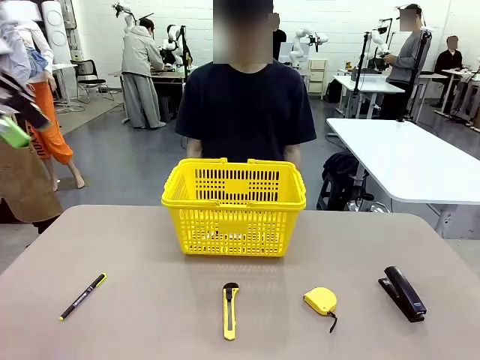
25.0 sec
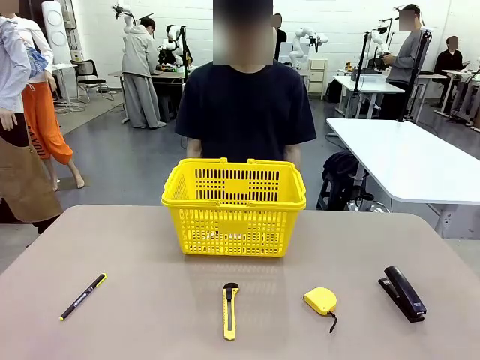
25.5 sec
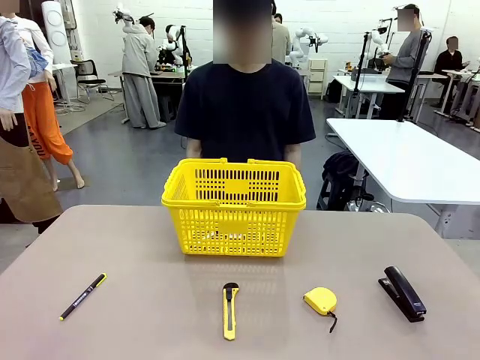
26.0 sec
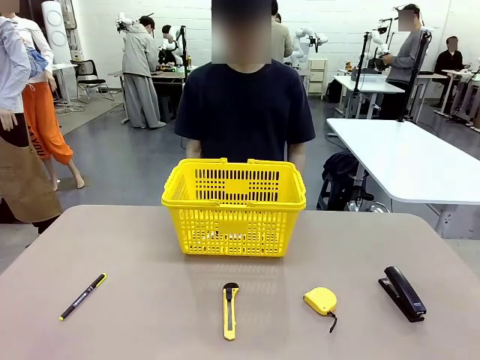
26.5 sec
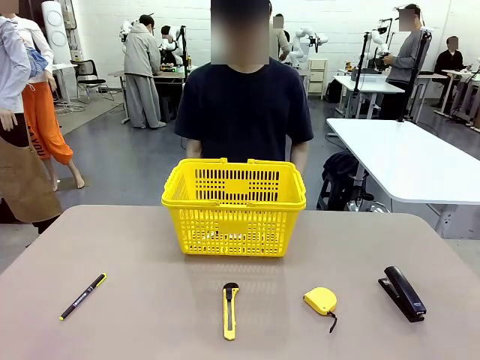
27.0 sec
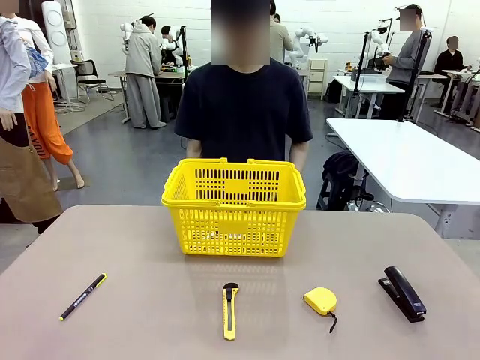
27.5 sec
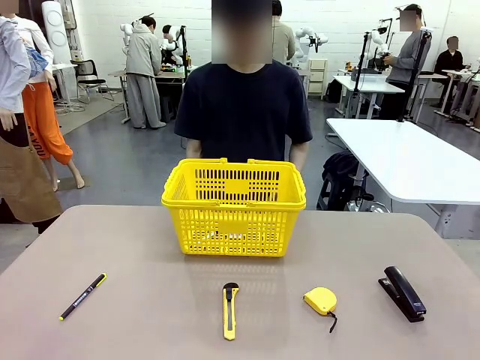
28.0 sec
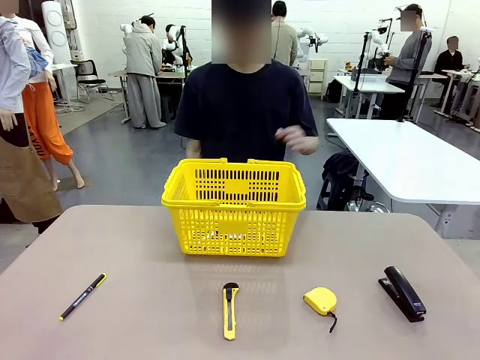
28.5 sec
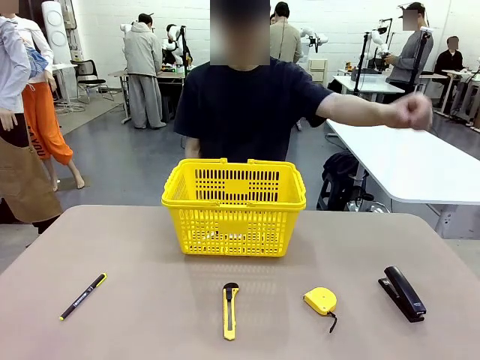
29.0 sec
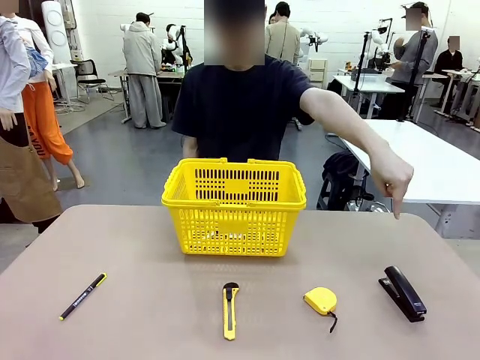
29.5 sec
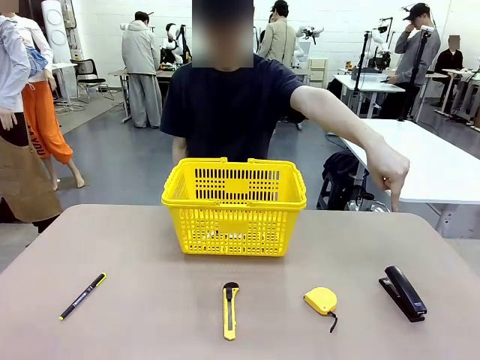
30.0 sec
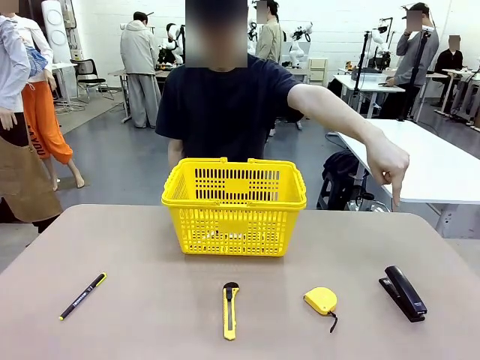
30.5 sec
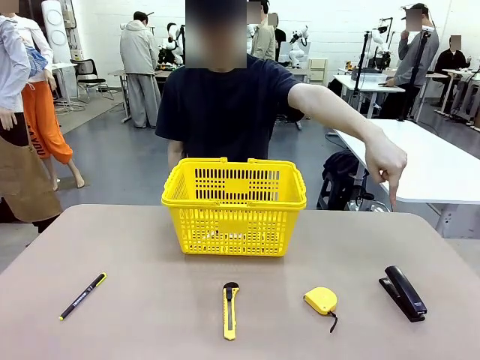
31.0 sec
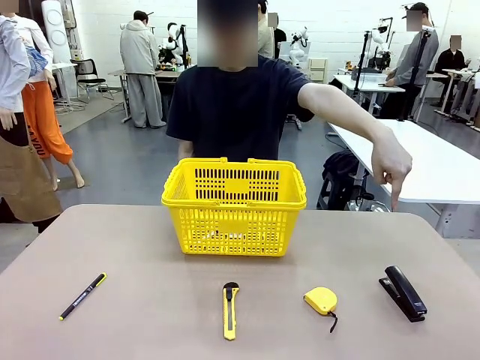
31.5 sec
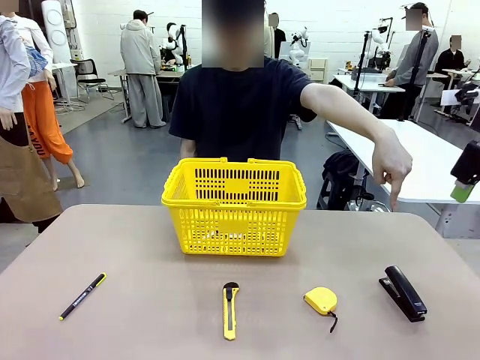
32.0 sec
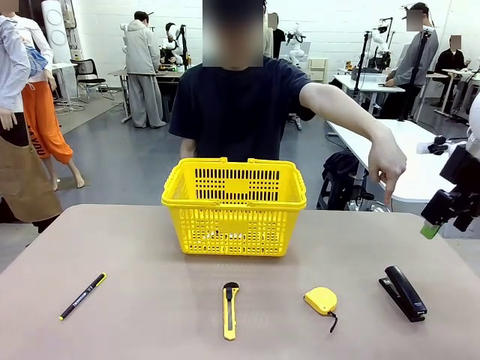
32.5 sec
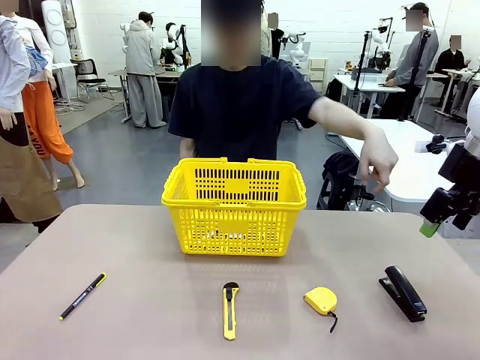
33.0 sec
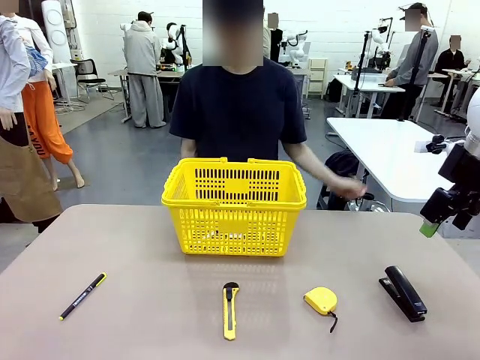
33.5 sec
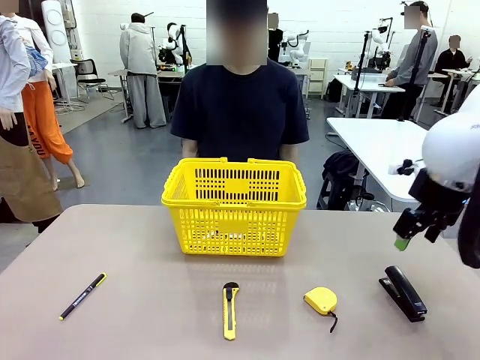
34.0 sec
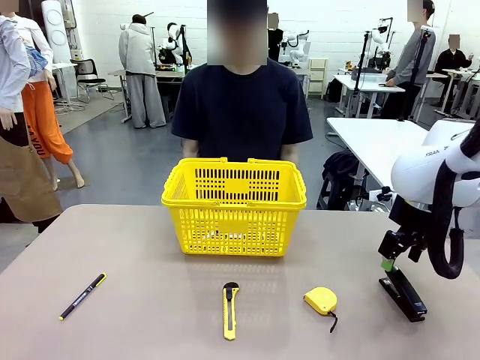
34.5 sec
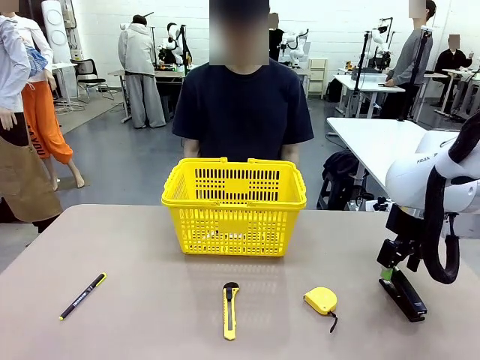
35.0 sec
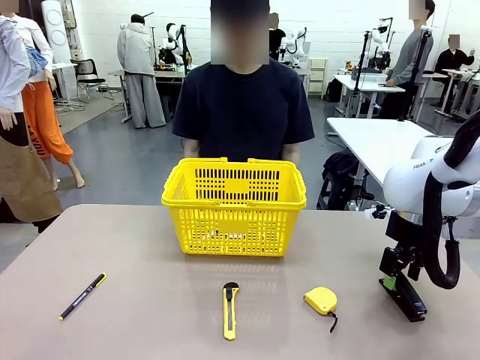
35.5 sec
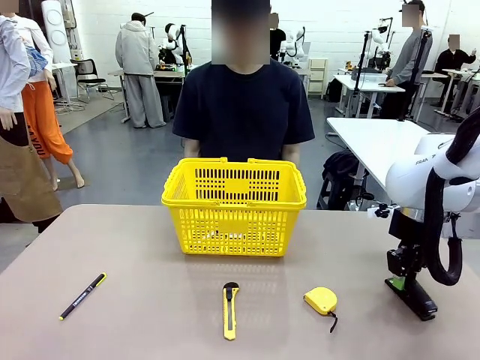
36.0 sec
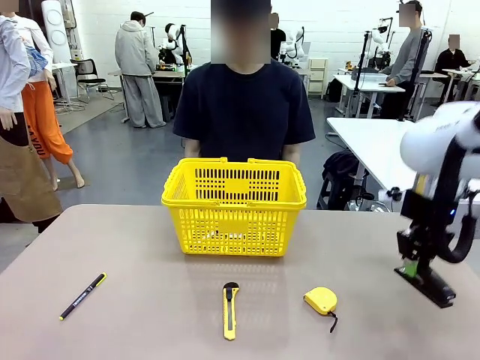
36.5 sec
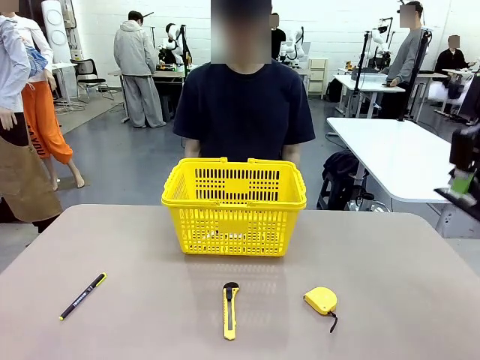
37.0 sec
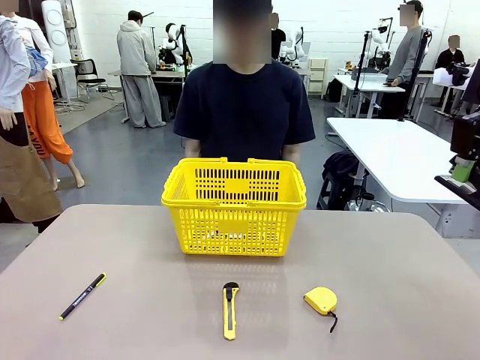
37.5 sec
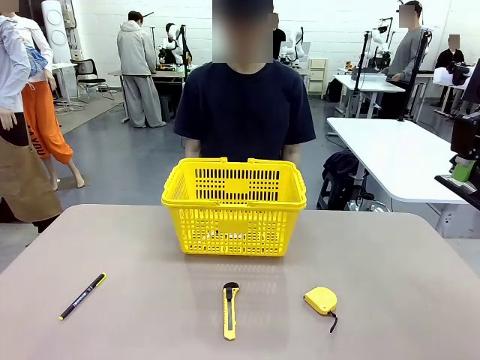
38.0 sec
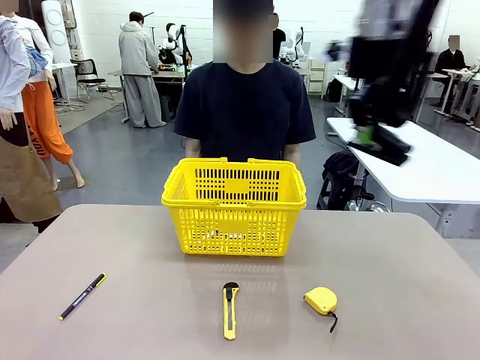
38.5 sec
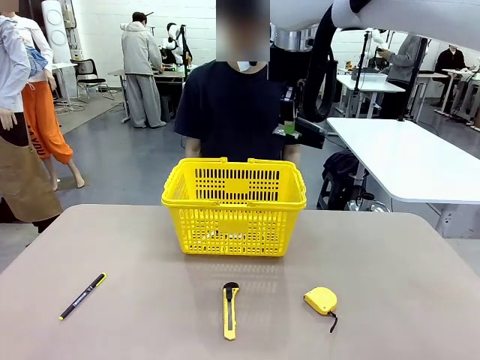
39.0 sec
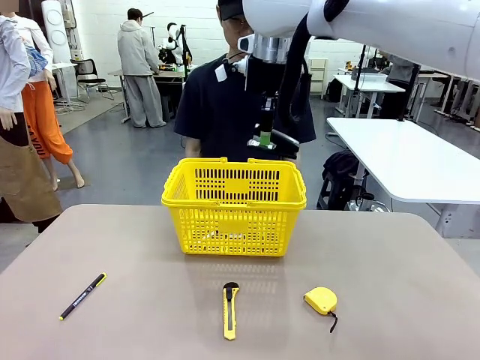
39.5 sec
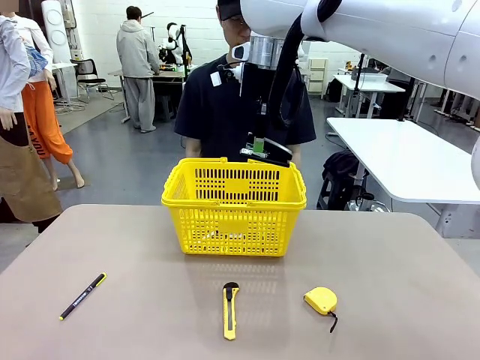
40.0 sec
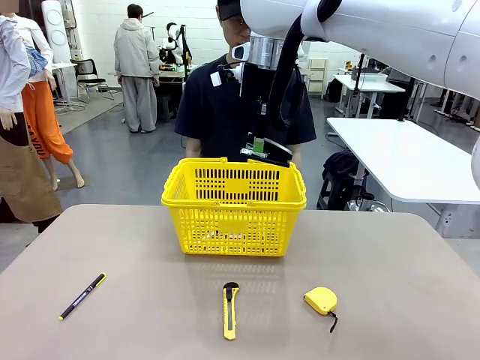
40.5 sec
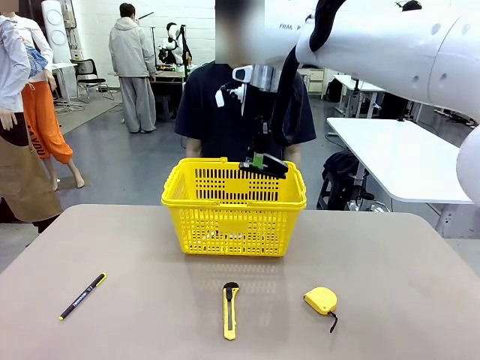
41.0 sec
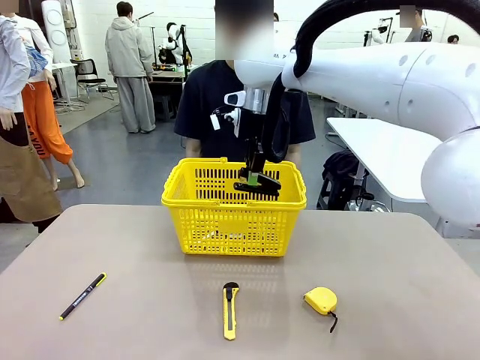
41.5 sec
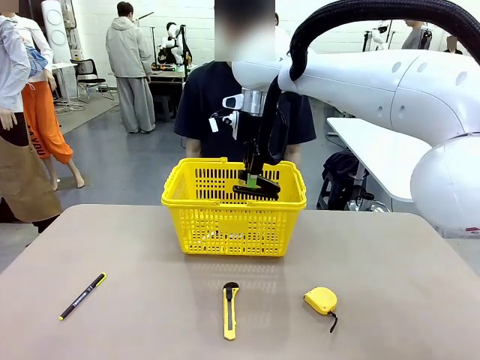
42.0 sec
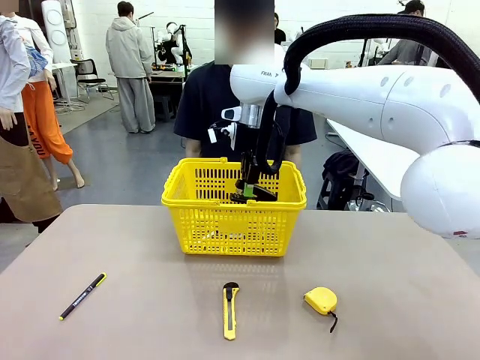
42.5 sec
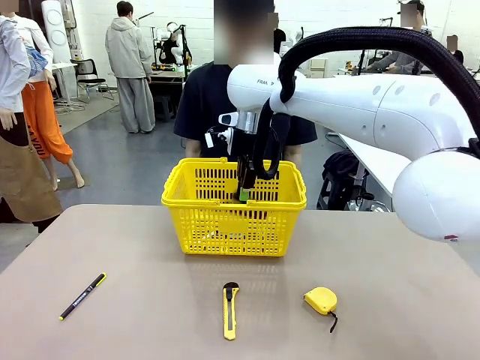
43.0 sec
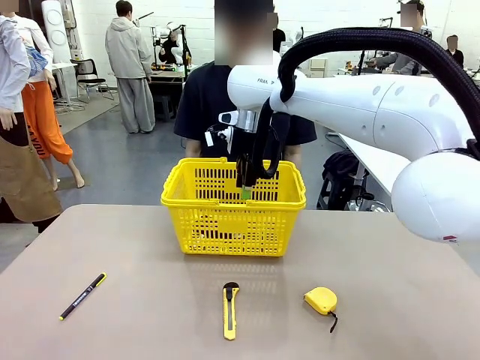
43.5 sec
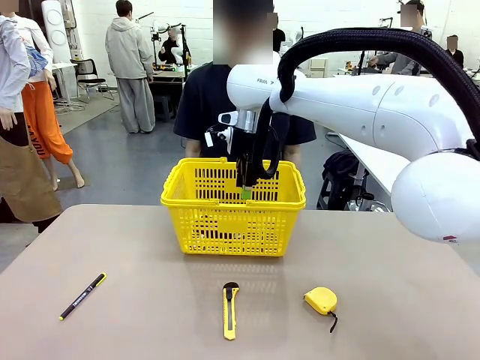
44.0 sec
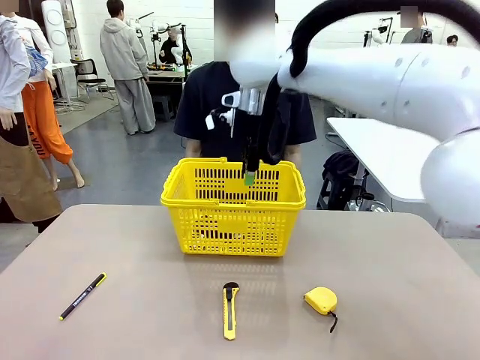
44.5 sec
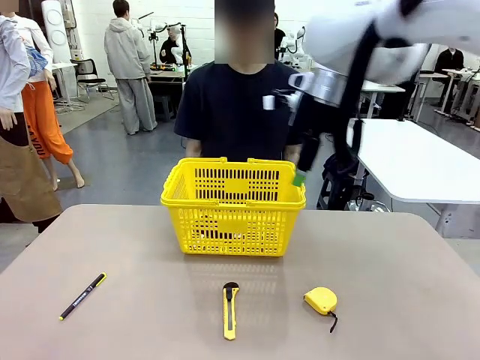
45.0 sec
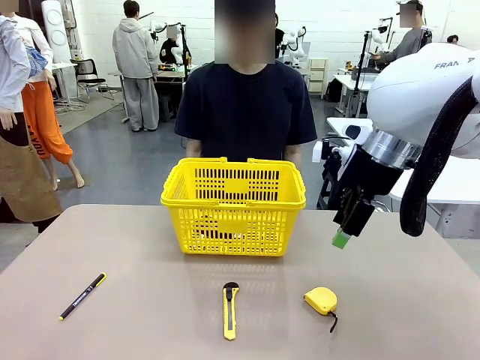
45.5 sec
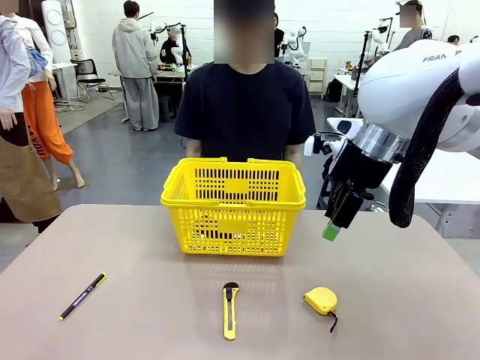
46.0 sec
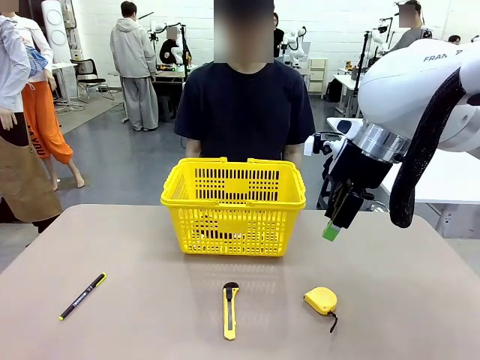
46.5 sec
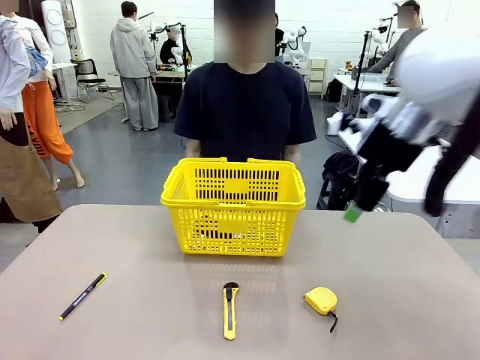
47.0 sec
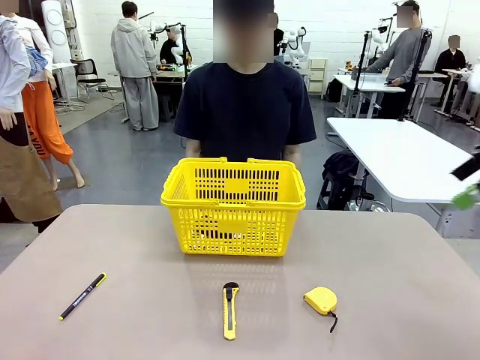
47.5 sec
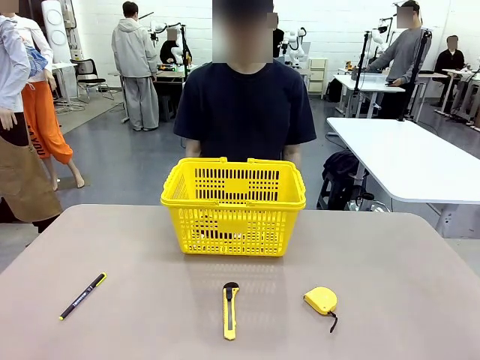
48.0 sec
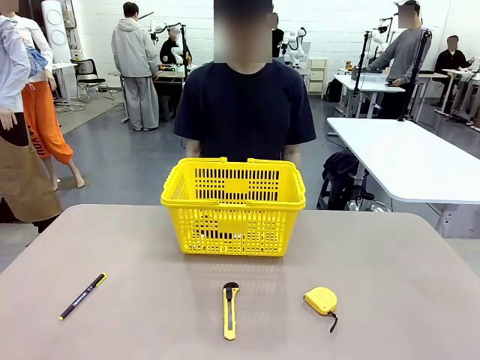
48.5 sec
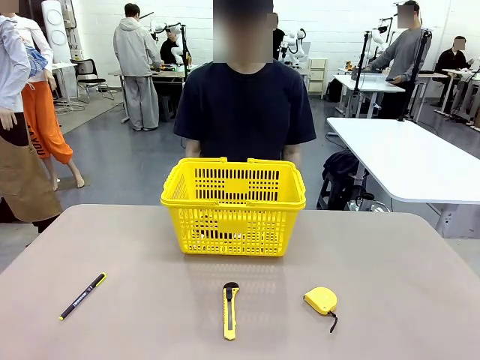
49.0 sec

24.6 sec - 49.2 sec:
Task: Place the items the person wants into the basket.
Robot: Pick up the item the person points to and place it in the Market Basket.

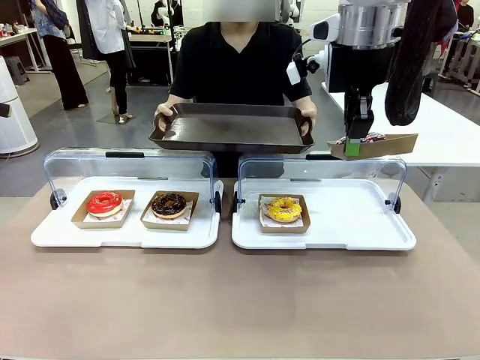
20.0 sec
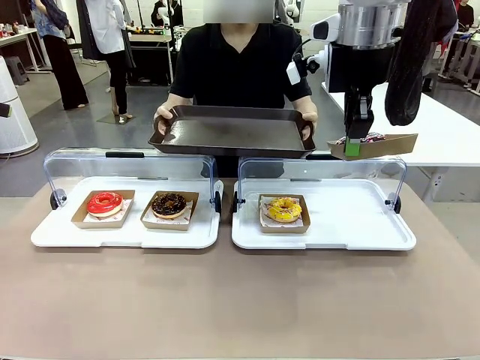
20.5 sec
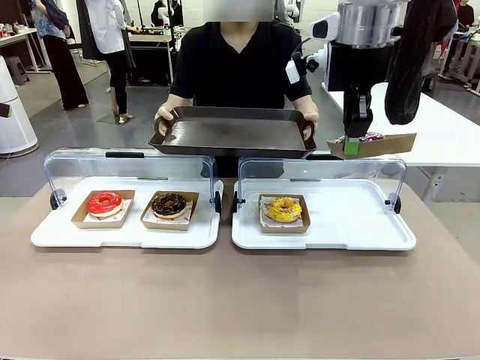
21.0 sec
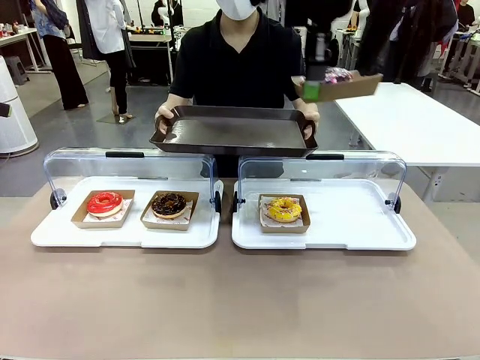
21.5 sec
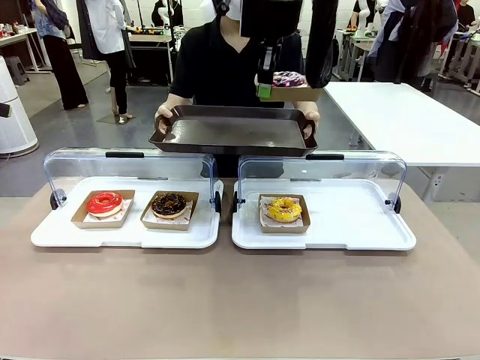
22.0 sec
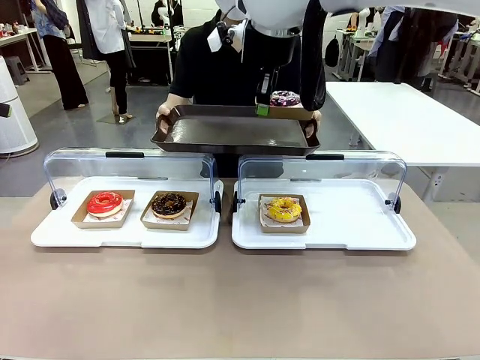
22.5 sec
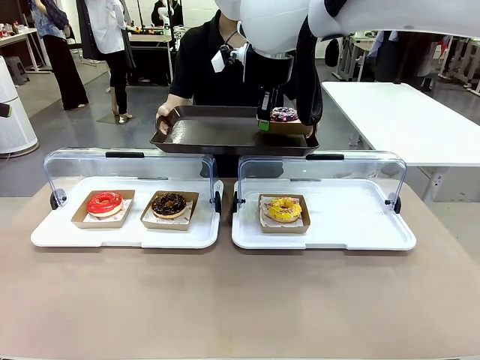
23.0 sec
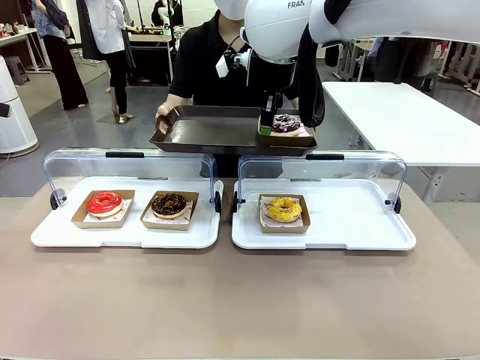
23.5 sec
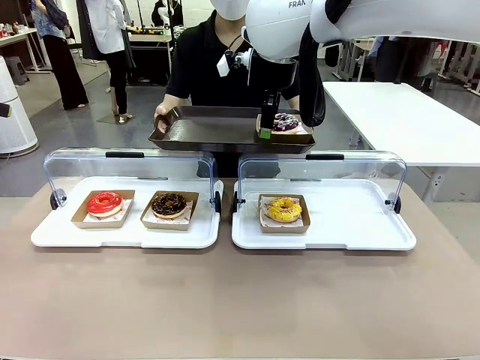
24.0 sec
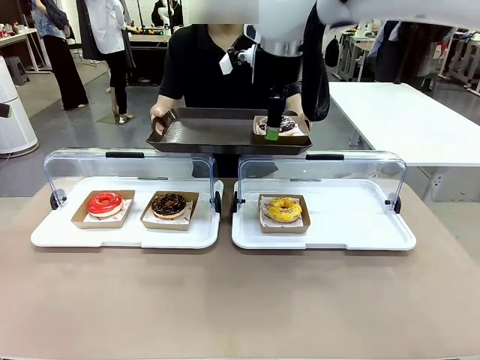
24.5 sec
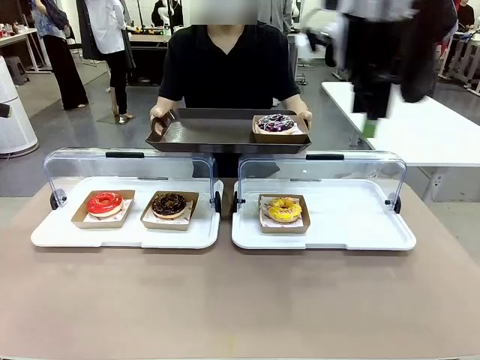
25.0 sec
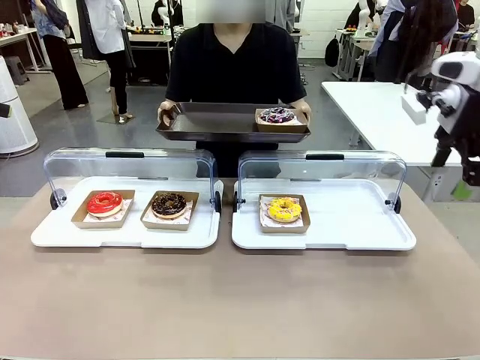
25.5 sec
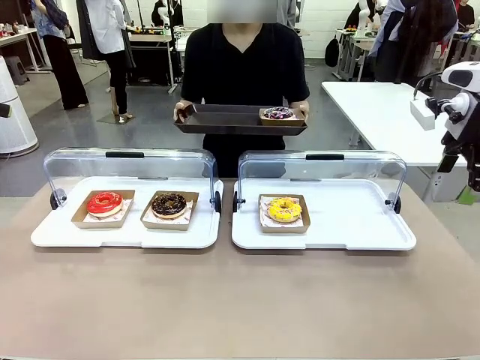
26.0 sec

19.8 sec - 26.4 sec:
Task: Provide the desired donut to the person.
Robot: Place the picked Paper togo box onto the Handle tray extended by the person.
